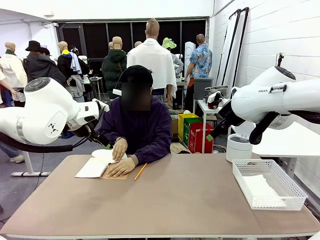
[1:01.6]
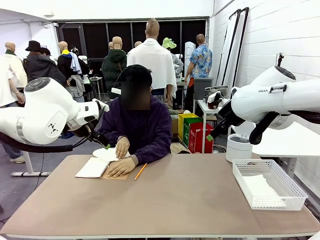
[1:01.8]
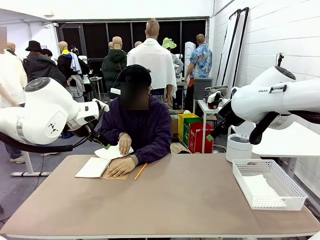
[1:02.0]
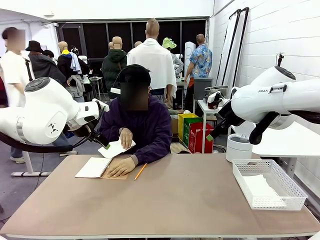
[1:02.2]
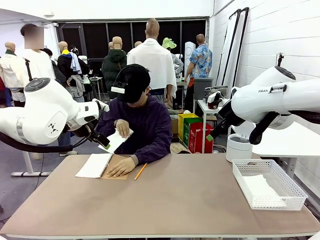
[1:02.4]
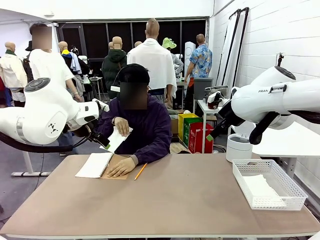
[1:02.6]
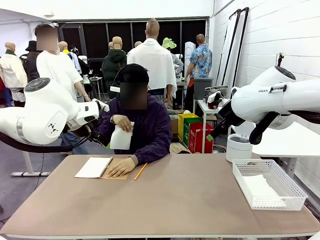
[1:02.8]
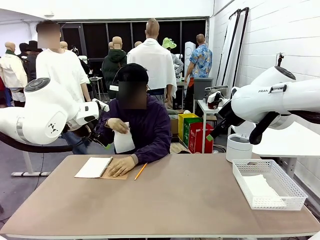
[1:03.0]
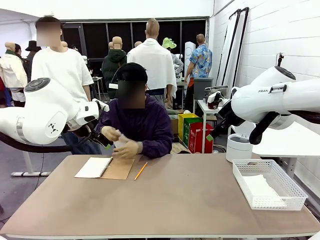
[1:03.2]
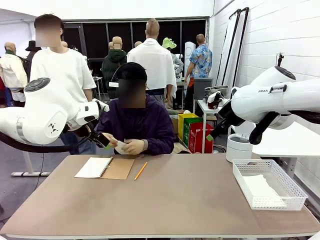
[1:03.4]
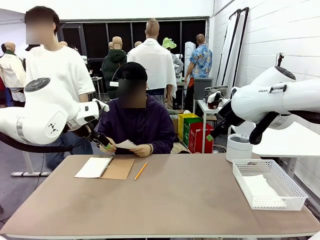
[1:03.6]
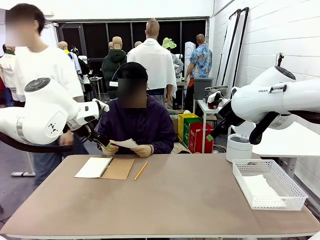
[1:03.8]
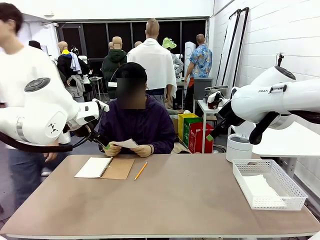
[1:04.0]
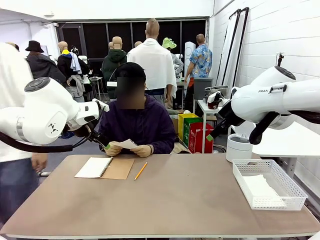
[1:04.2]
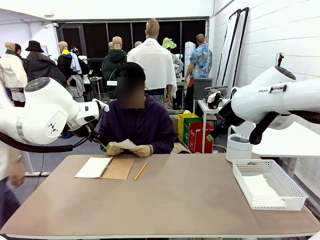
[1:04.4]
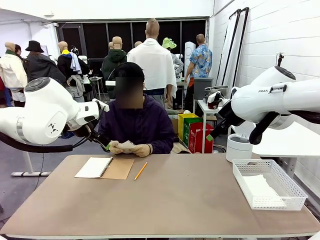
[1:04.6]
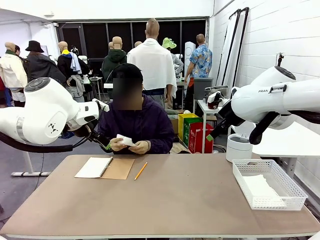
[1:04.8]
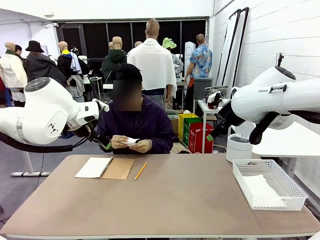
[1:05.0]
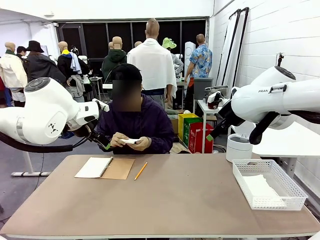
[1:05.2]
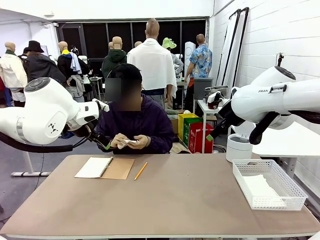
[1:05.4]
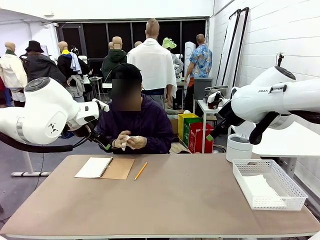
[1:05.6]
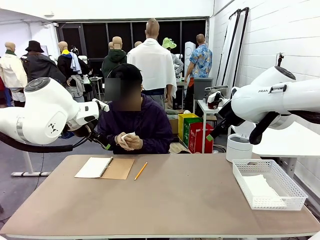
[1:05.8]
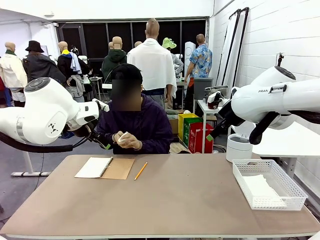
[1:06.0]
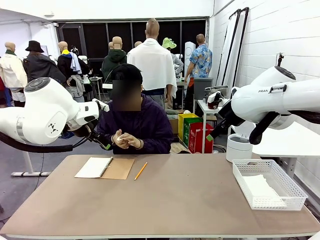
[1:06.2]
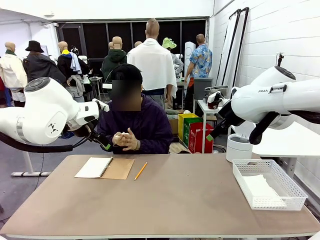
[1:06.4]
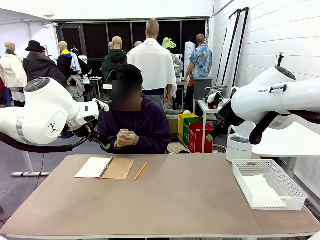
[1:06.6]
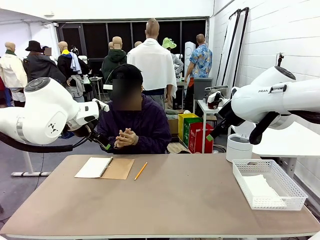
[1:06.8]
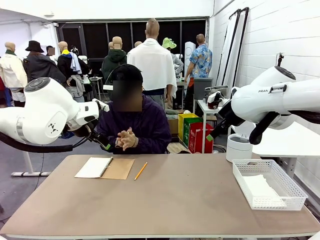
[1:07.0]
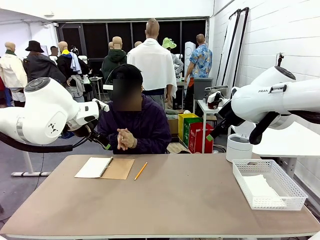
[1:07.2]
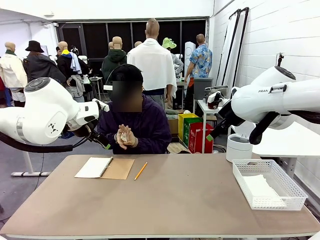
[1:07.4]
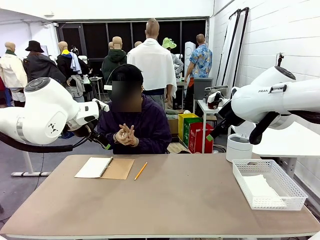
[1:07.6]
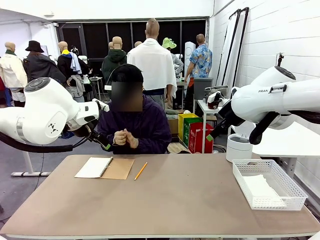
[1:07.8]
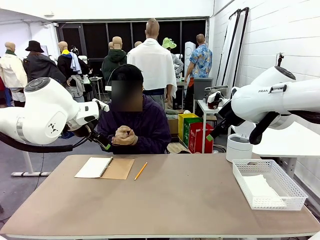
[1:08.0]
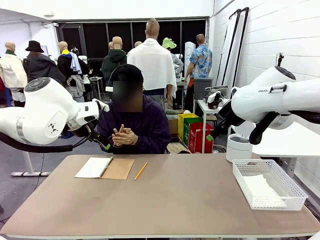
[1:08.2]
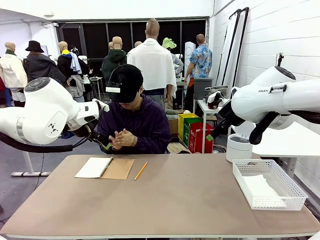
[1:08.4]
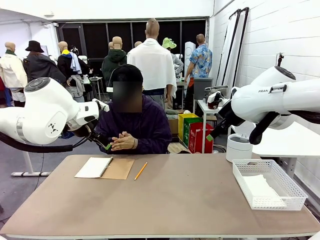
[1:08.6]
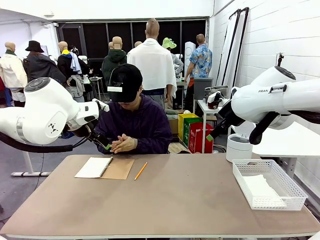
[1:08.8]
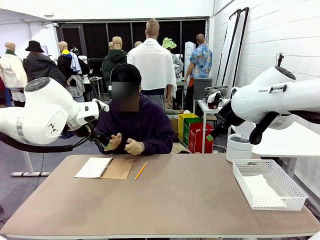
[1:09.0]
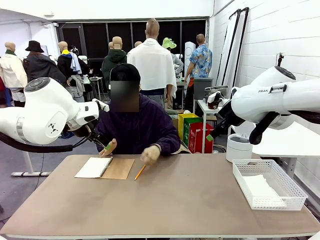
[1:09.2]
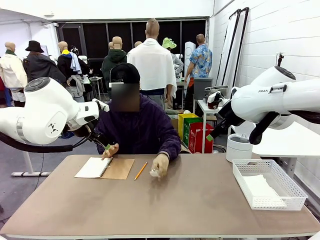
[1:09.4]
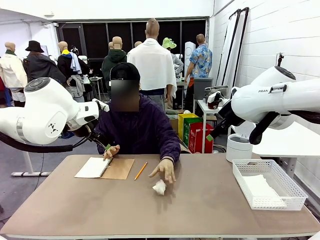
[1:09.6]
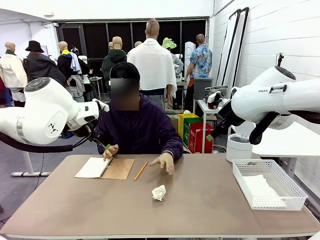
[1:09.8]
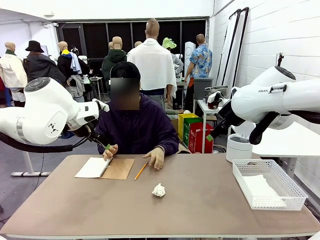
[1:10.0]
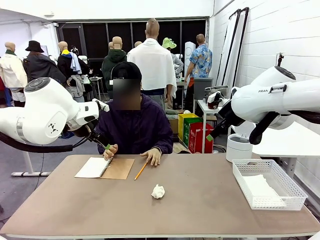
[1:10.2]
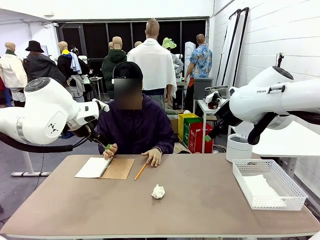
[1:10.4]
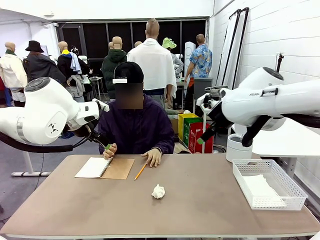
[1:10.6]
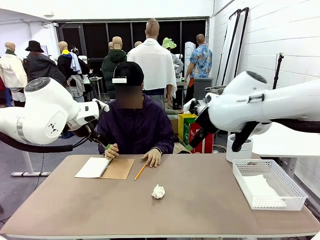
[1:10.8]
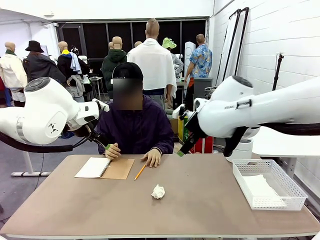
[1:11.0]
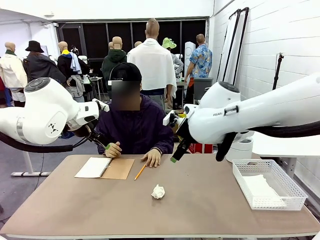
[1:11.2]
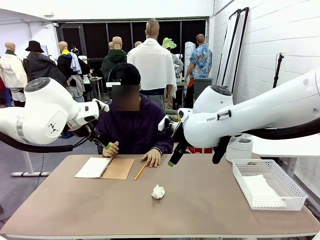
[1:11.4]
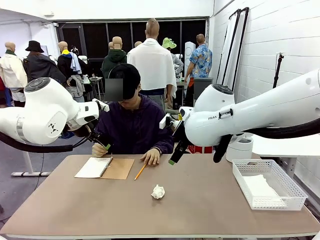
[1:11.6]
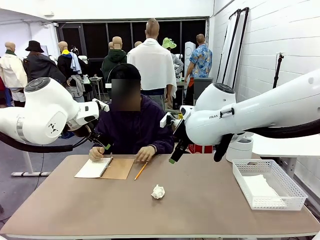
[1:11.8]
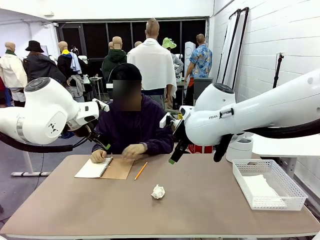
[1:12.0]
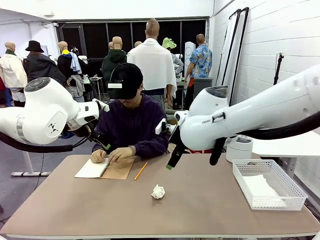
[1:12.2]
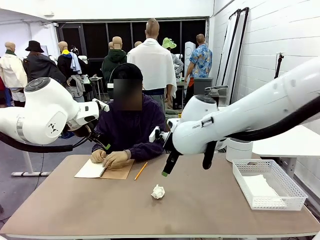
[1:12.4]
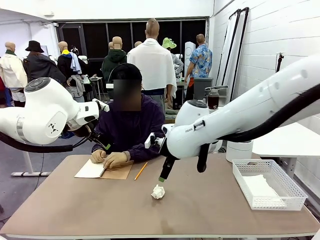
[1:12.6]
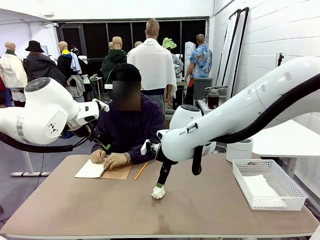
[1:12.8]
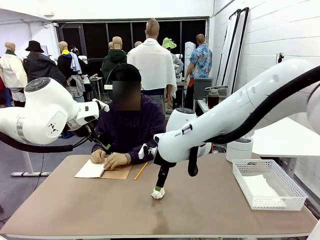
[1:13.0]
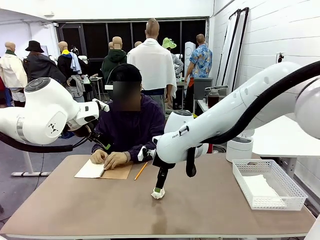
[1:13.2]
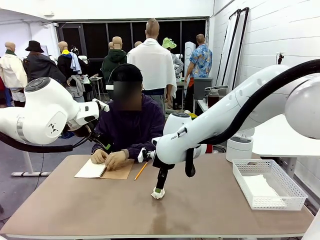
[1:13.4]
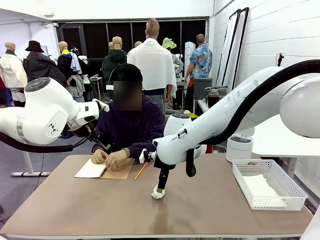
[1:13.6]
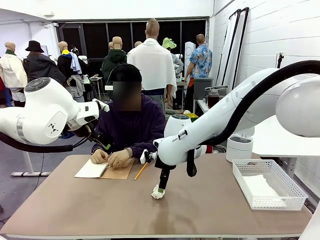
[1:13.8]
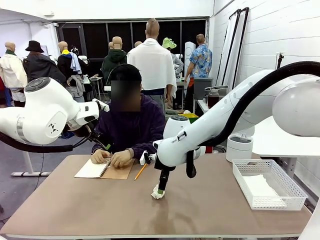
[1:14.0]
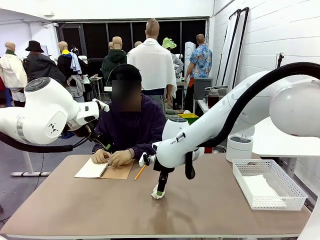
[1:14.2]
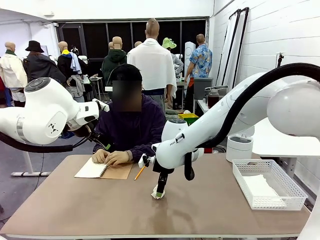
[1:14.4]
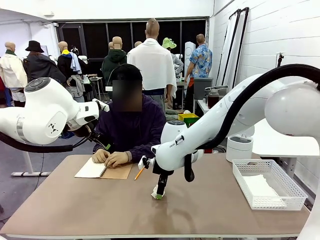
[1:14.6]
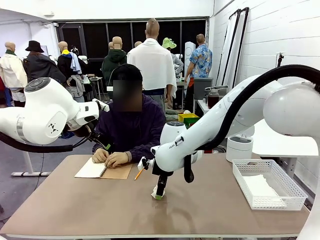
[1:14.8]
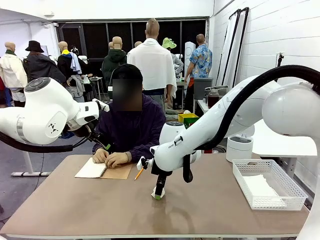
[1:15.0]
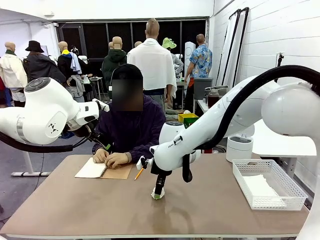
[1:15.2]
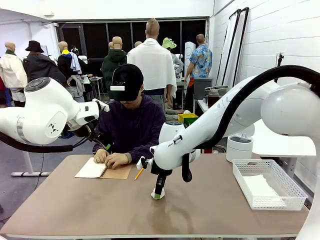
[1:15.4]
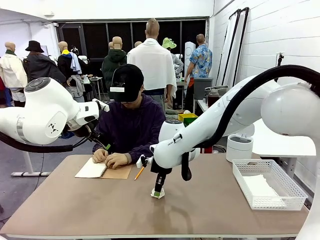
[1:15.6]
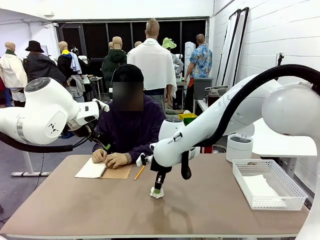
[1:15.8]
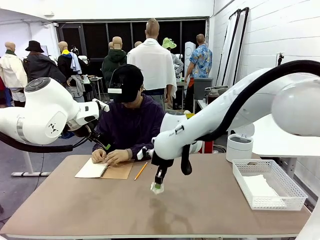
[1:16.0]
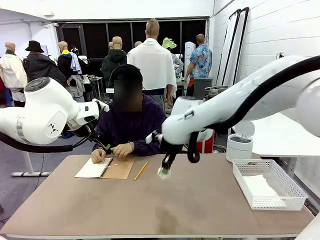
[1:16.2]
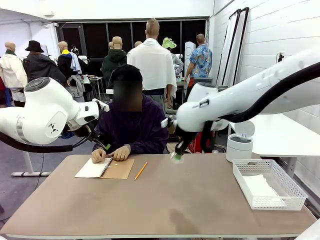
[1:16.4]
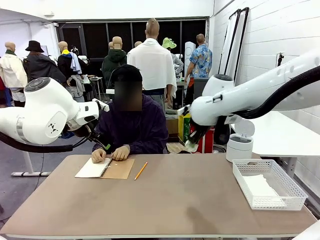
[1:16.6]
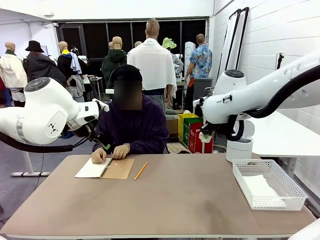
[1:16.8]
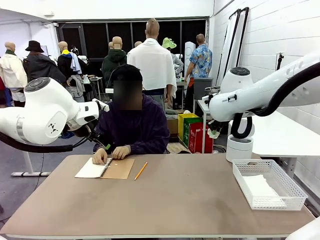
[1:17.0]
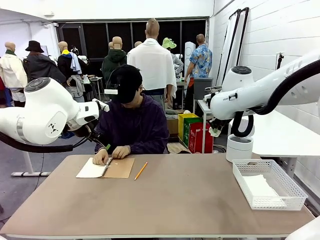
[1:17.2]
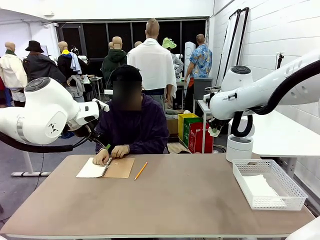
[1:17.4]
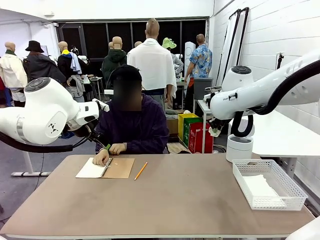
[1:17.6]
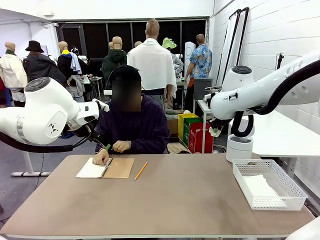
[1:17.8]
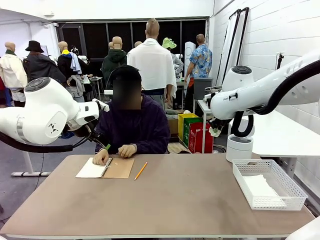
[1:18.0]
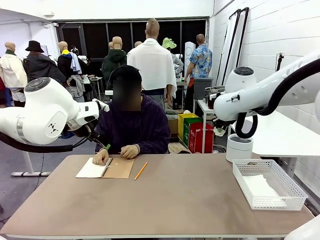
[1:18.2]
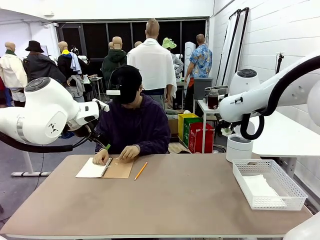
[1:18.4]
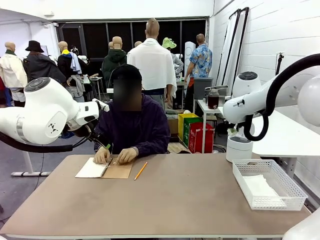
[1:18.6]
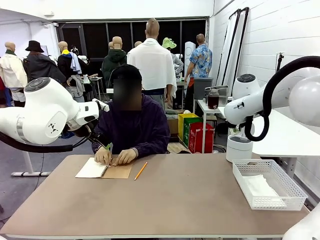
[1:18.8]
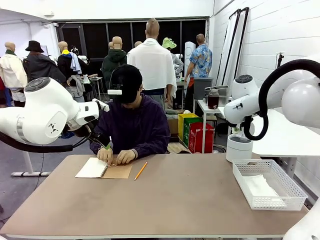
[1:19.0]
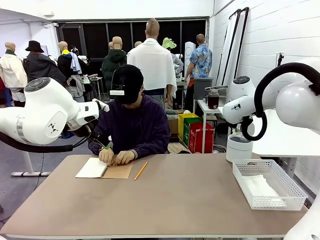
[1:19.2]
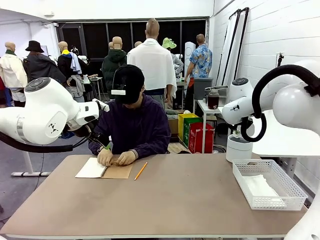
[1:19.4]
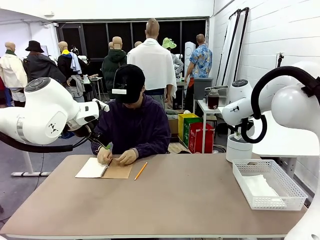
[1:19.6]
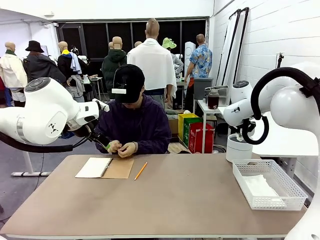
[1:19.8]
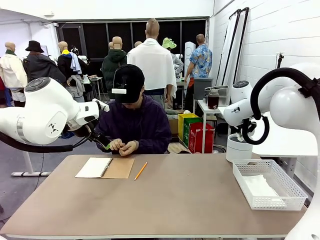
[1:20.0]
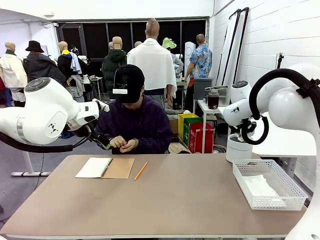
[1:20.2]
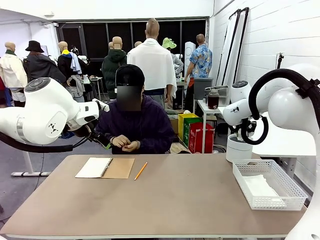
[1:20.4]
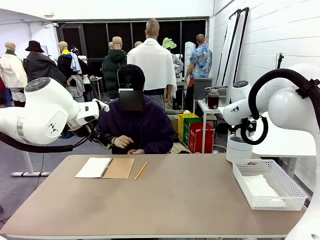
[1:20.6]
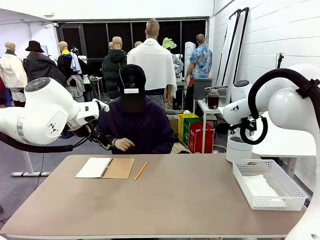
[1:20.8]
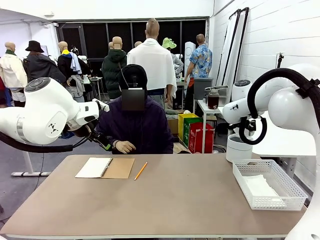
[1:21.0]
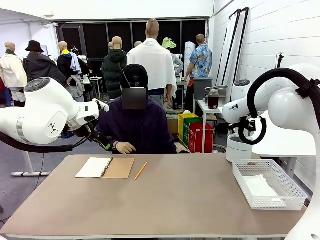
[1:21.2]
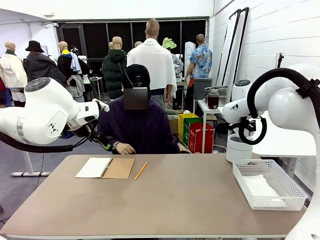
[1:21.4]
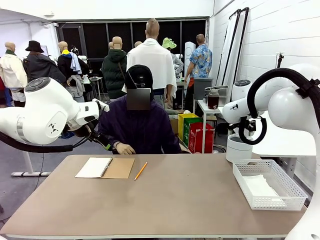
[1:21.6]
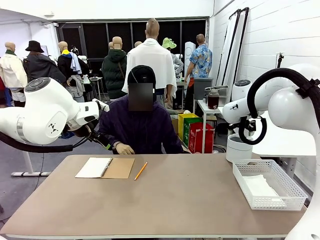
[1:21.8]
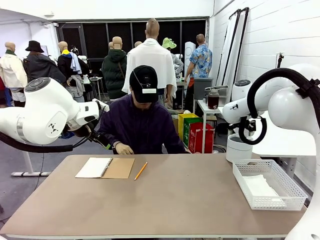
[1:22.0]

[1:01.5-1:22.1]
Task: Sort the paper based on its condition.
Robot: If a person hands you a paper, place it in the Organizing basket , and if it's crumpled, put it in the Trash can.
Person: Hand the torn page to the robot or crumple it and throw it to the center of the table.
